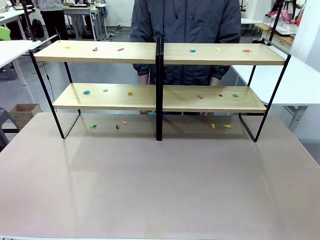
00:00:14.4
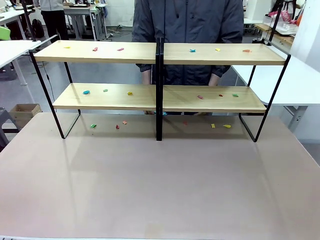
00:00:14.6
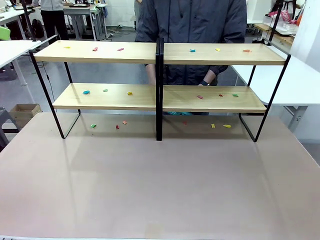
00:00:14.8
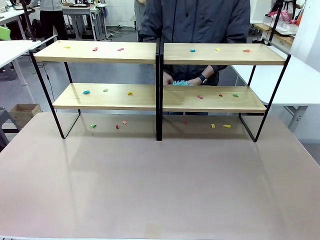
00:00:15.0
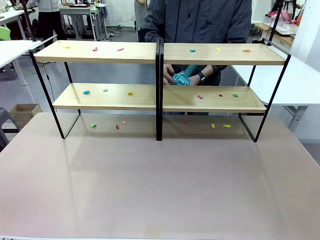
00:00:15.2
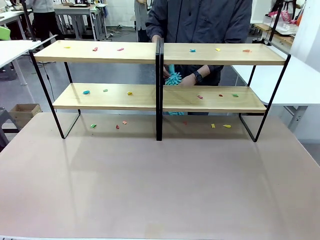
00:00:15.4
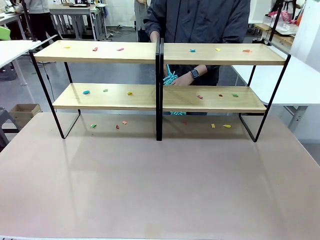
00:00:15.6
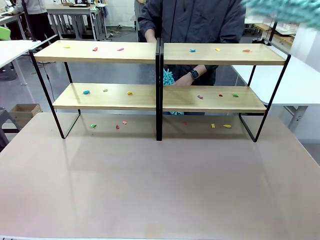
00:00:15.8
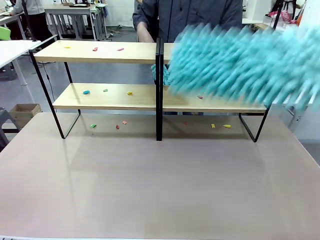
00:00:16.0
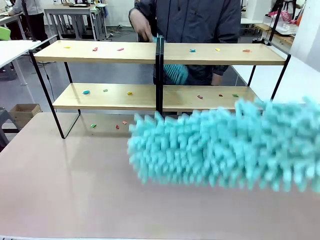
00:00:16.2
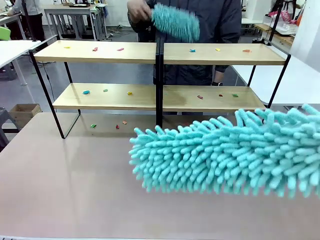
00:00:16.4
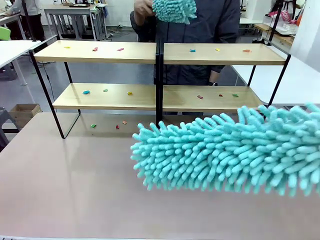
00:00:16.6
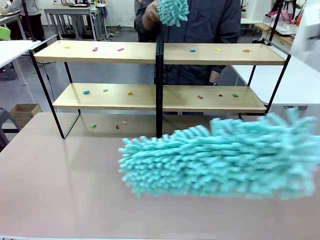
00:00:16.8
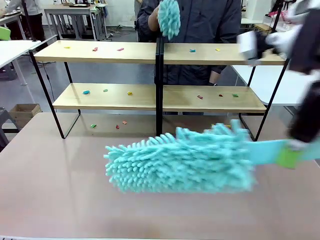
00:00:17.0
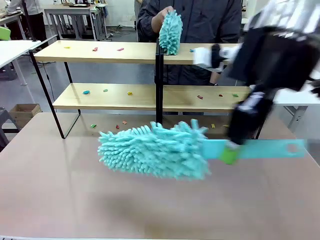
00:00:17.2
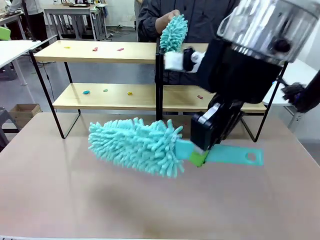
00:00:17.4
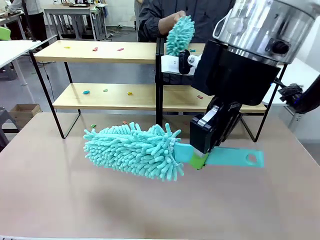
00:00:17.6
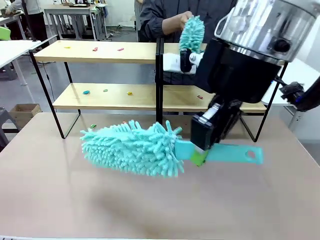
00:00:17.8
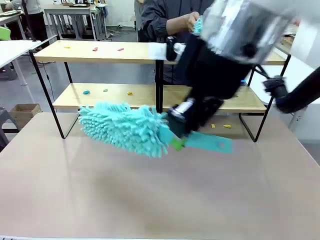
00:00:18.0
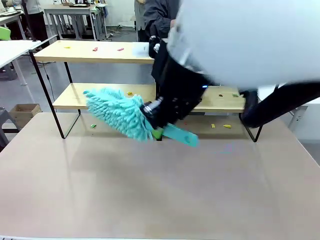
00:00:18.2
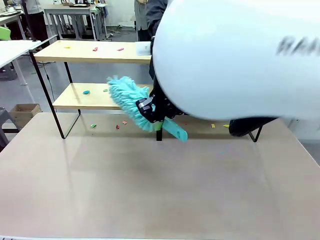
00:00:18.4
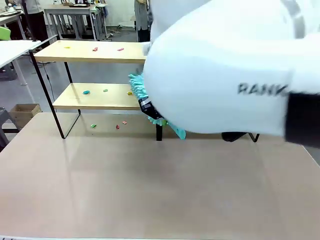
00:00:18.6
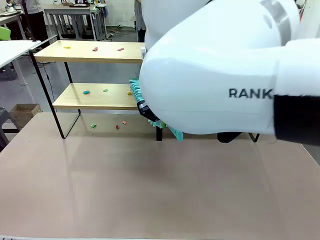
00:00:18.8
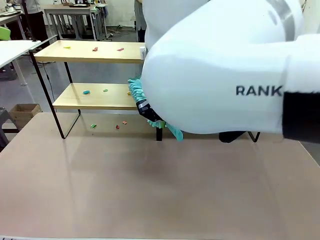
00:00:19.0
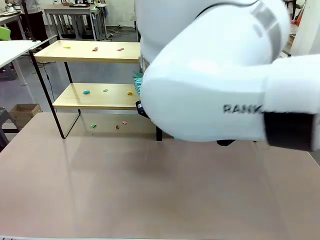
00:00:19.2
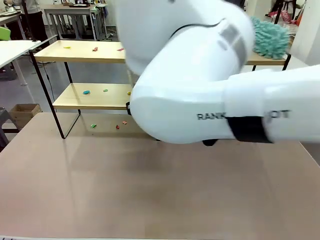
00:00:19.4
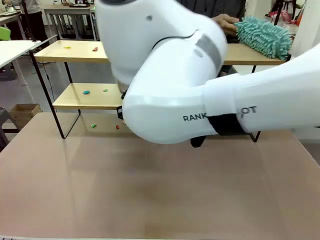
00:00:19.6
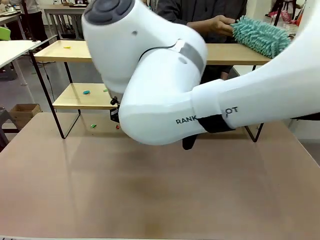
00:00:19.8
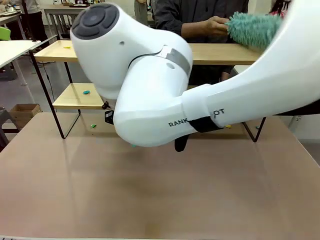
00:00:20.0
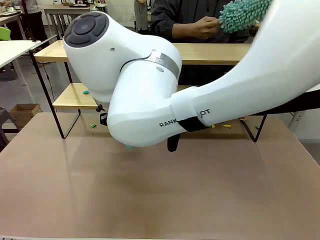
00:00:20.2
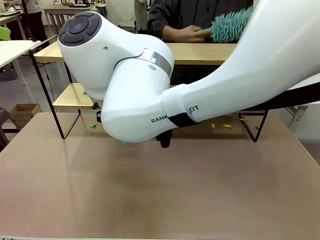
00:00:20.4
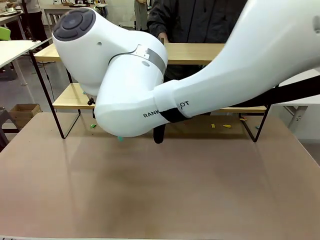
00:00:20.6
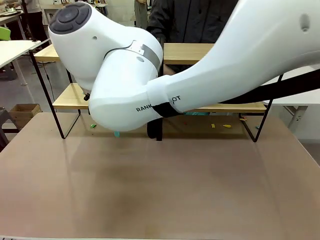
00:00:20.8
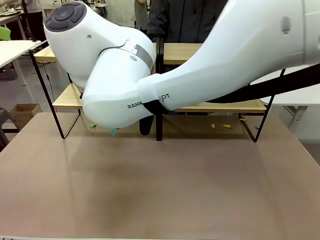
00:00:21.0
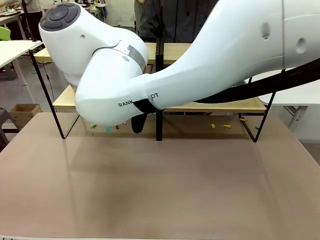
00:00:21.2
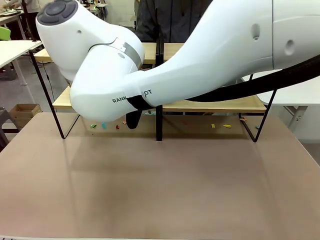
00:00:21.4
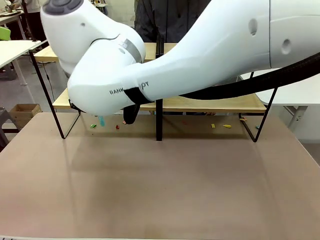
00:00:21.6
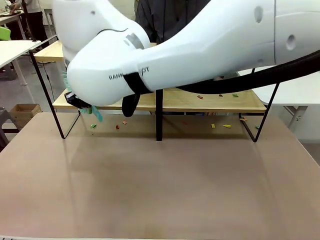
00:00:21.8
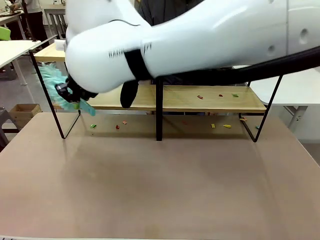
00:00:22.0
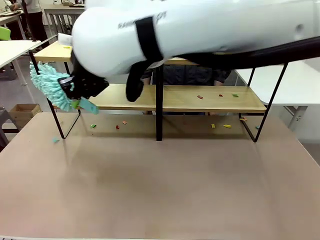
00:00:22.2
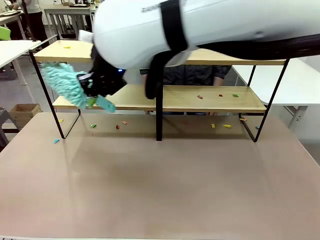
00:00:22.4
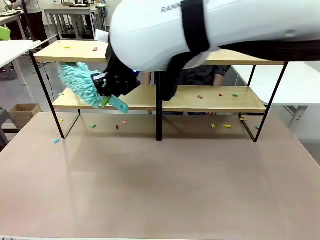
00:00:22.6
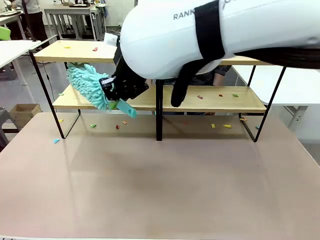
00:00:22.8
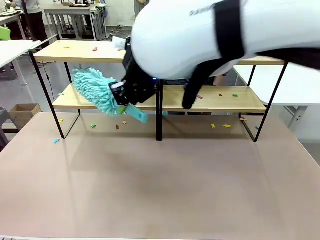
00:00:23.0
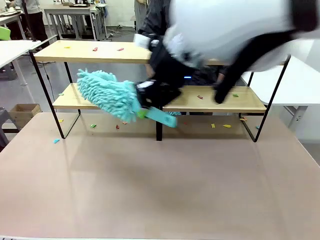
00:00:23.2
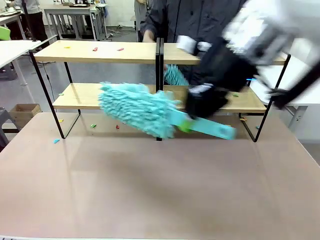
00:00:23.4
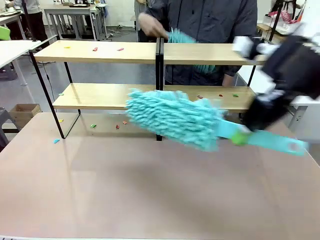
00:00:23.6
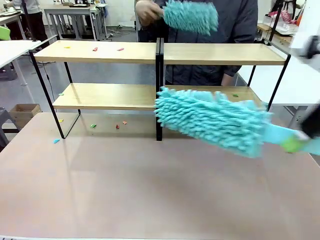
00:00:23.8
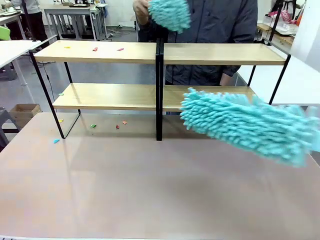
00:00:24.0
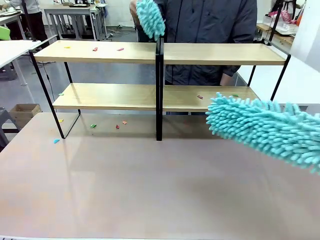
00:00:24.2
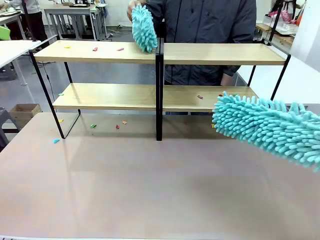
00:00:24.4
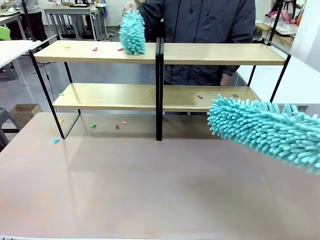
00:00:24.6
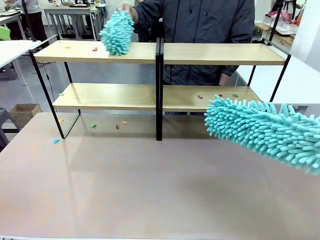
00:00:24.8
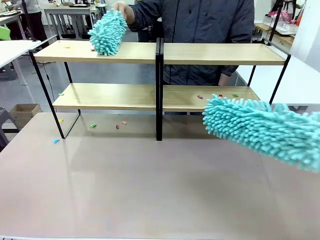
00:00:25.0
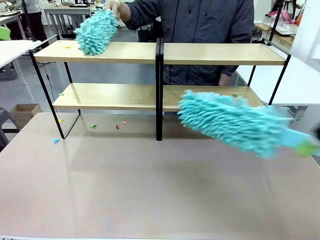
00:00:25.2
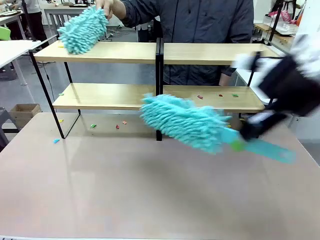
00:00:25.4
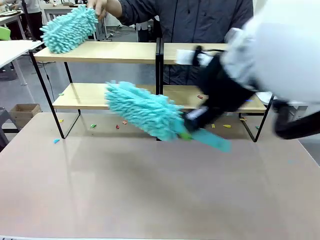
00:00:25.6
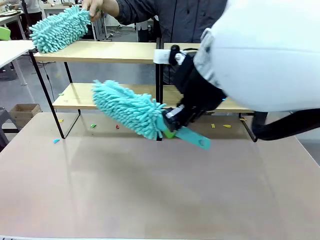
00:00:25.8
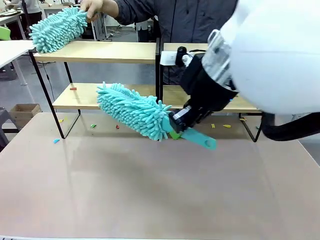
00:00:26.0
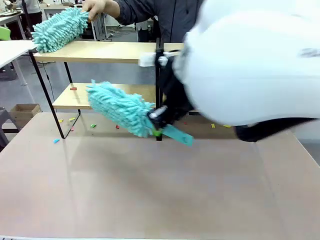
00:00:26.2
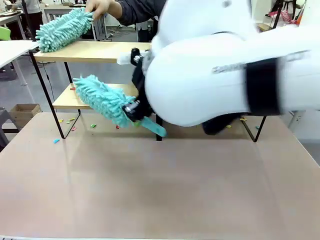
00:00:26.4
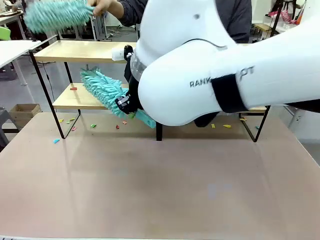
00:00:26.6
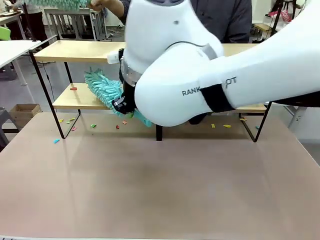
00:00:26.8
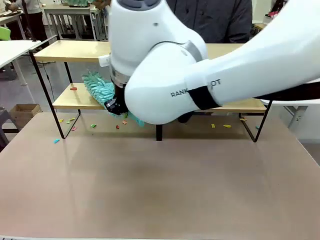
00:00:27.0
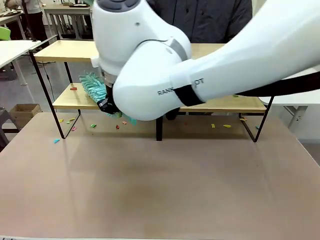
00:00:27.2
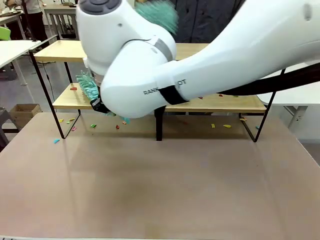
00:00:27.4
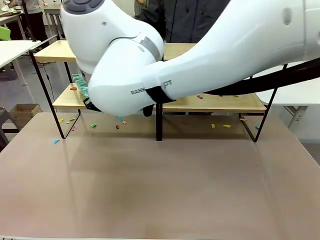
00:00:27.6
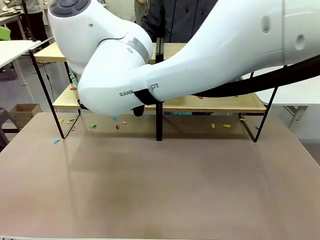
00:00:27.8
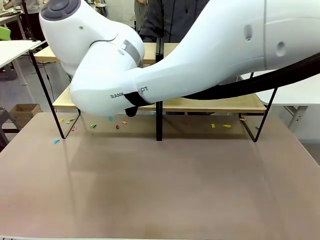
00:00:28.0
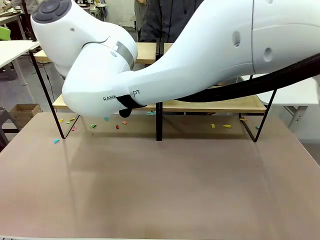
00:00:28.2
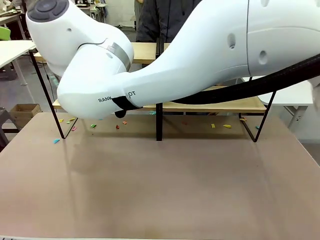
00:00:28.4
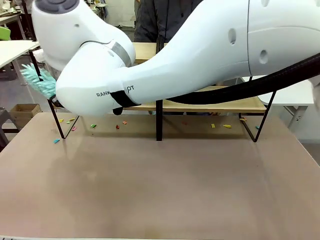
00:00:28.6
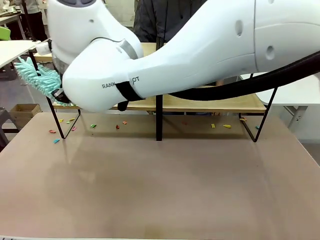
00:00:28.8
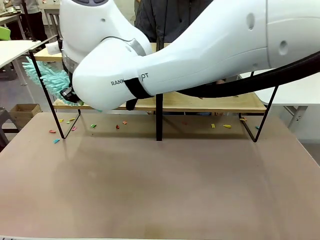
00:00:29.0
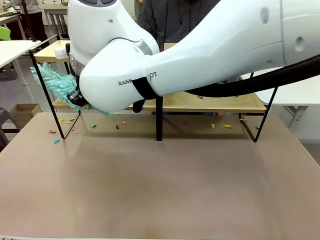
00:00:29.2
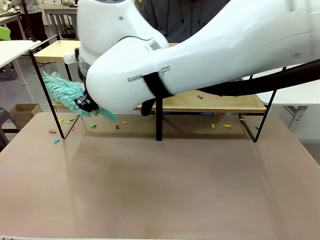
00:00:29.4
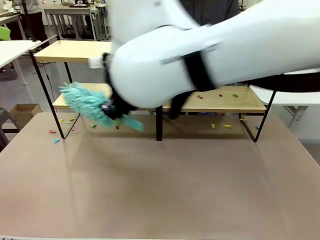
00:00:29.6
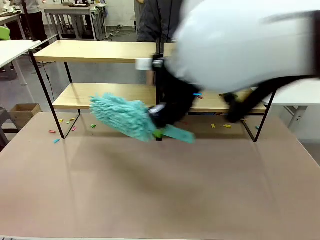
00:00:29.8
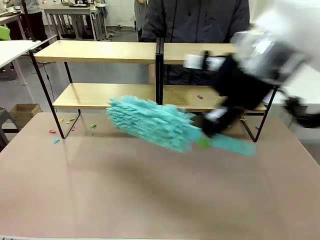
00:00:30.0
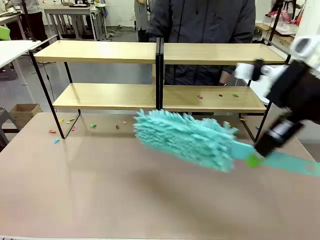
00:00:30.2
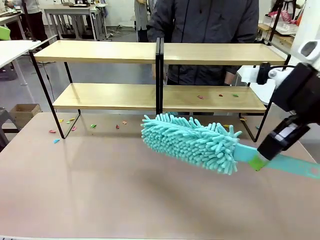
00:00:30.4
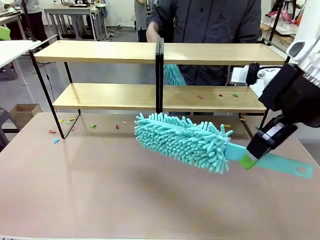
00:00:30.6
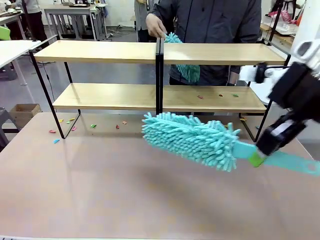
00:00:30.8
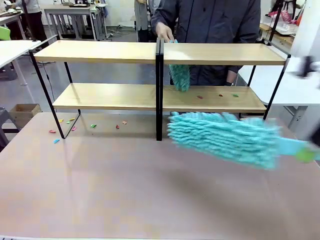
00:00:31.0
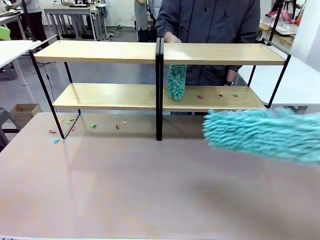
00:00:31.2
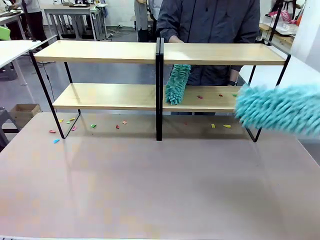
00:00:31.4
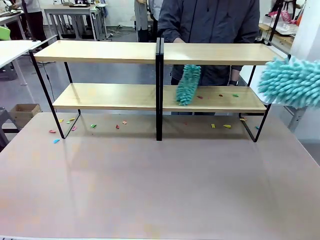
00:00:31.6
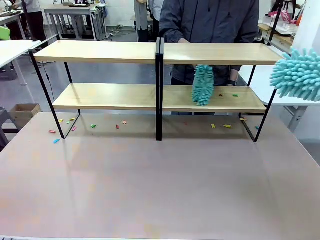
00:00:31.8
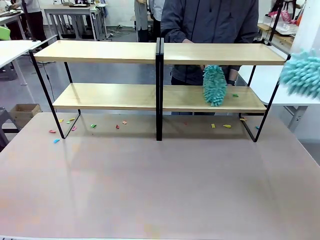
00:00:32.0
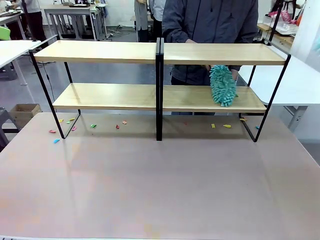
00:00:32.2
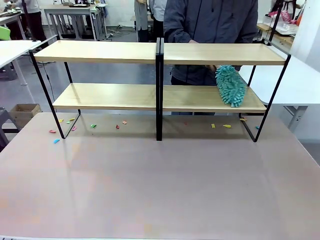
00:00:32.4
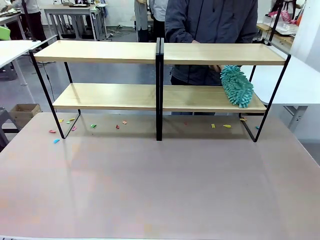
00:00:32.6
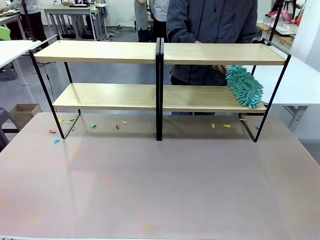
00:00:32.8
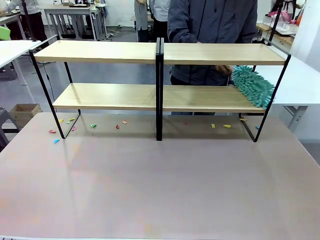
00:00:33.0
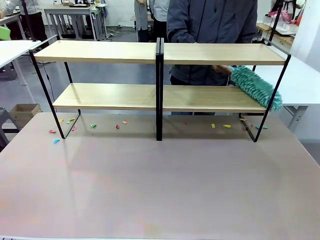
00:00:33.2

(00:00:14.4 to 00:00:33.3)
Task: Clean the shelves.
Robot: Clean a randomly selected level of the Shelf with the Duster.
Person: Clean a randomly selected level of the Shelf with the Duster.
